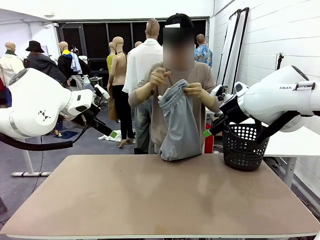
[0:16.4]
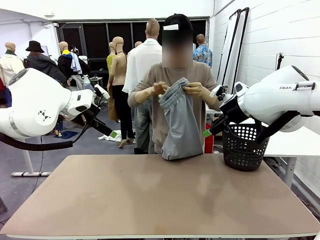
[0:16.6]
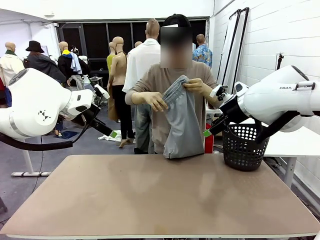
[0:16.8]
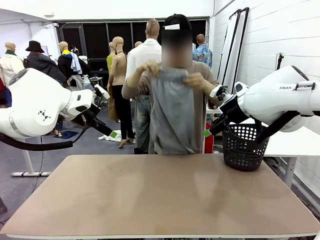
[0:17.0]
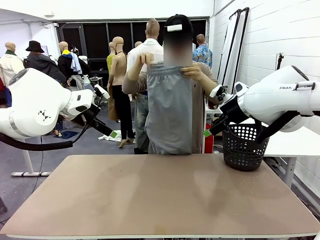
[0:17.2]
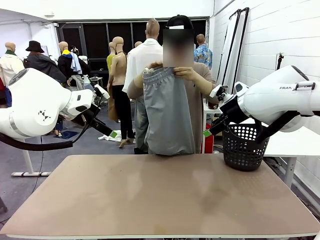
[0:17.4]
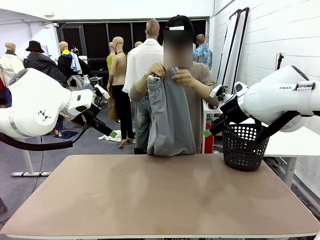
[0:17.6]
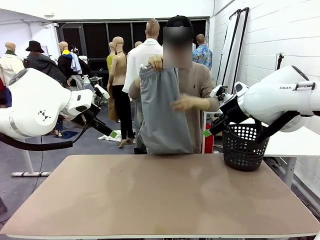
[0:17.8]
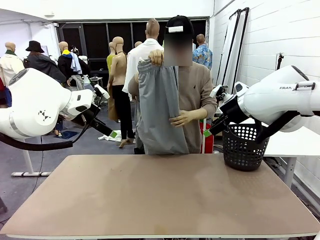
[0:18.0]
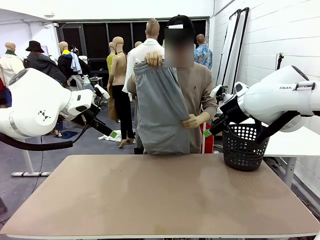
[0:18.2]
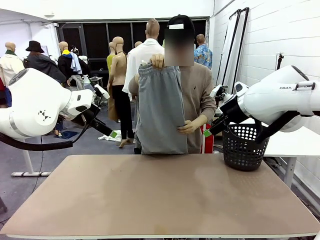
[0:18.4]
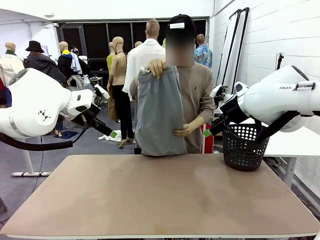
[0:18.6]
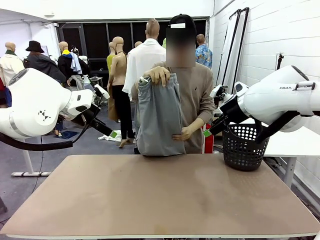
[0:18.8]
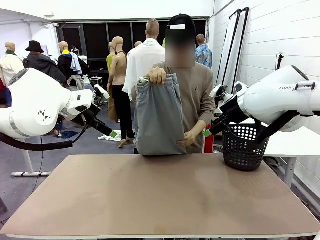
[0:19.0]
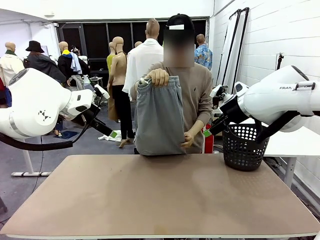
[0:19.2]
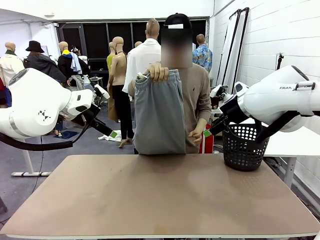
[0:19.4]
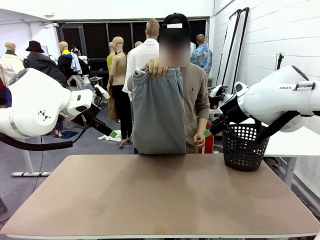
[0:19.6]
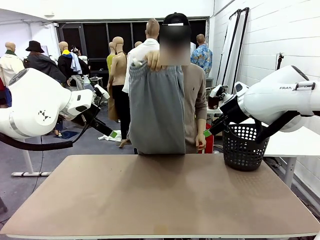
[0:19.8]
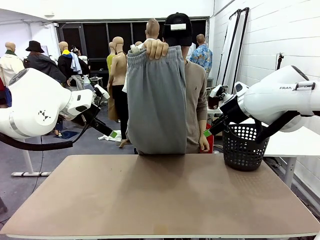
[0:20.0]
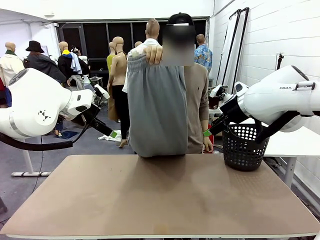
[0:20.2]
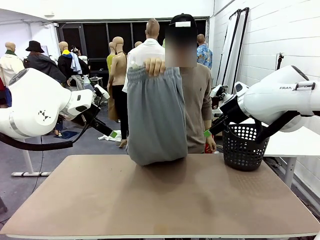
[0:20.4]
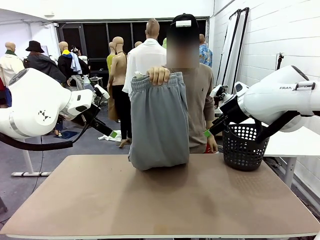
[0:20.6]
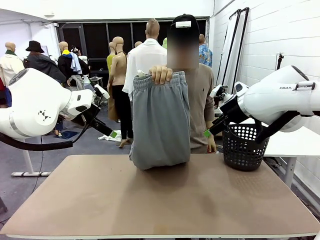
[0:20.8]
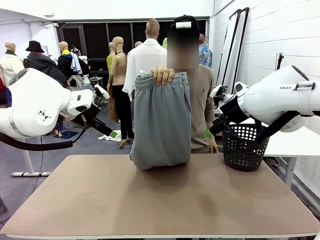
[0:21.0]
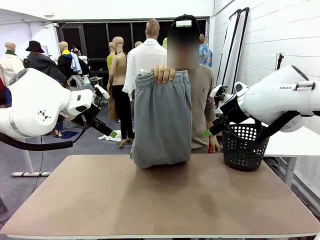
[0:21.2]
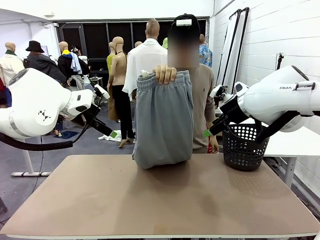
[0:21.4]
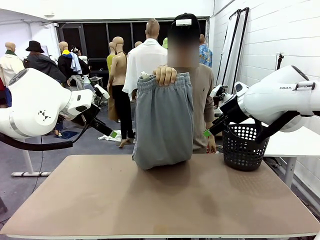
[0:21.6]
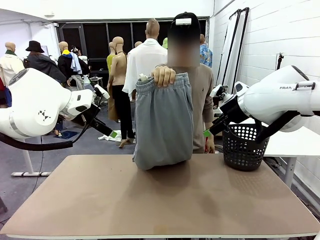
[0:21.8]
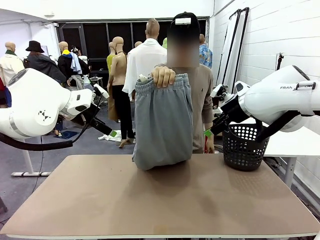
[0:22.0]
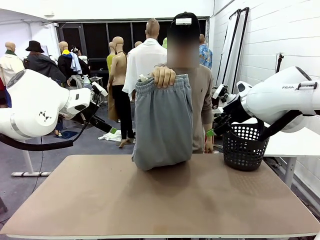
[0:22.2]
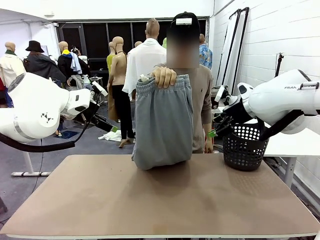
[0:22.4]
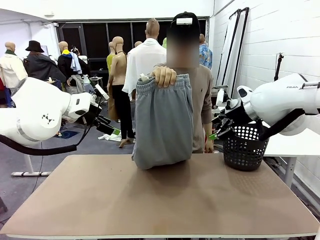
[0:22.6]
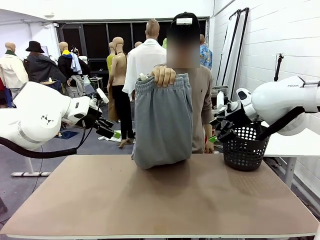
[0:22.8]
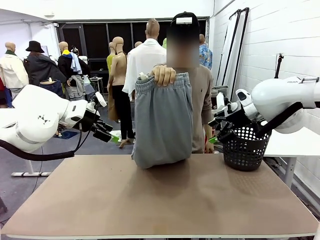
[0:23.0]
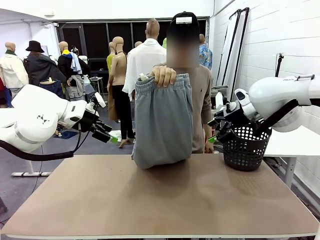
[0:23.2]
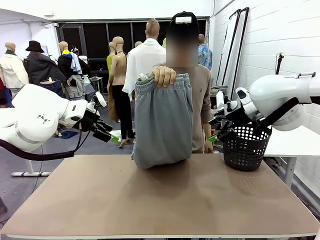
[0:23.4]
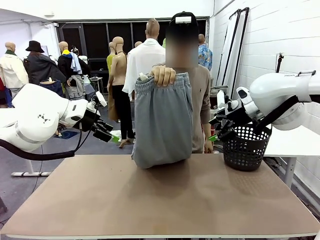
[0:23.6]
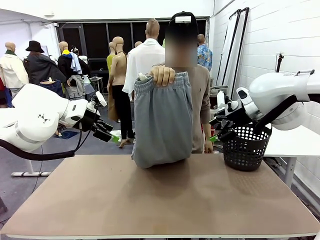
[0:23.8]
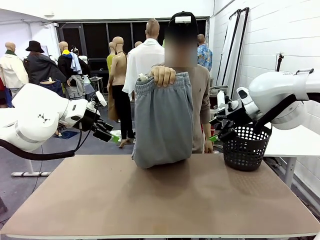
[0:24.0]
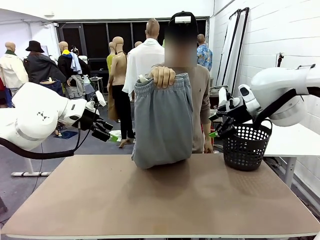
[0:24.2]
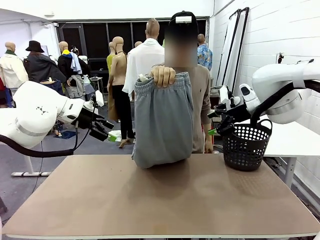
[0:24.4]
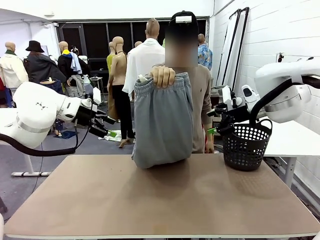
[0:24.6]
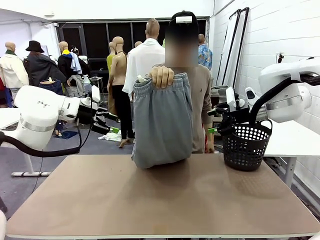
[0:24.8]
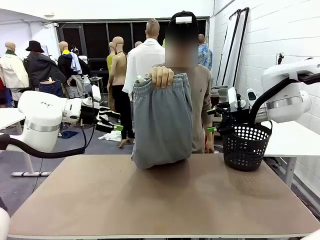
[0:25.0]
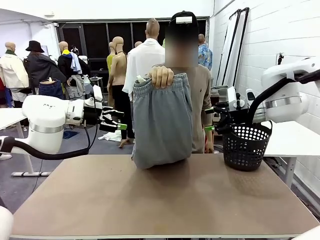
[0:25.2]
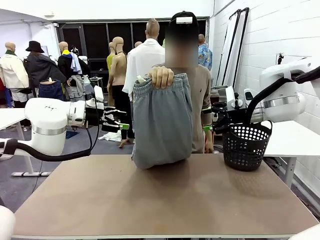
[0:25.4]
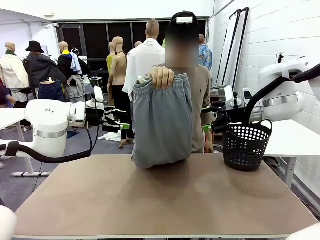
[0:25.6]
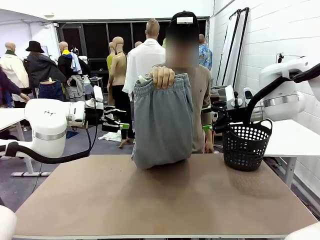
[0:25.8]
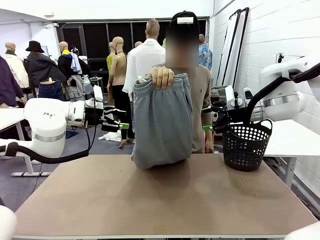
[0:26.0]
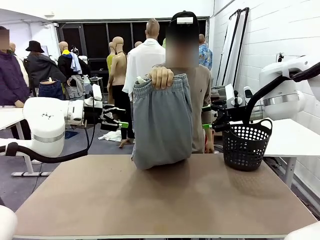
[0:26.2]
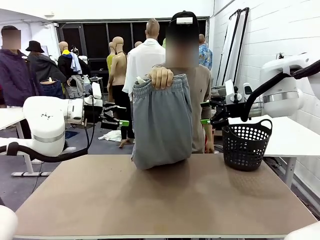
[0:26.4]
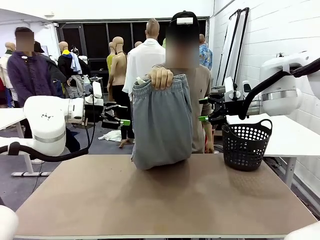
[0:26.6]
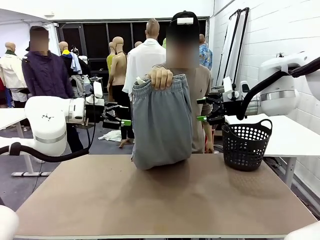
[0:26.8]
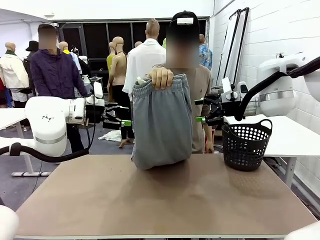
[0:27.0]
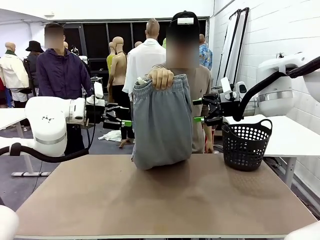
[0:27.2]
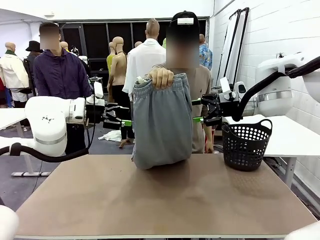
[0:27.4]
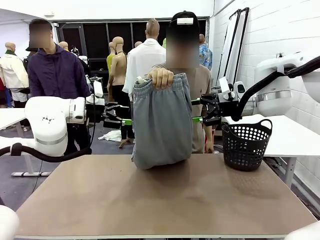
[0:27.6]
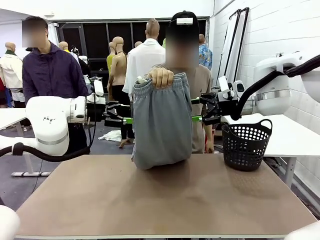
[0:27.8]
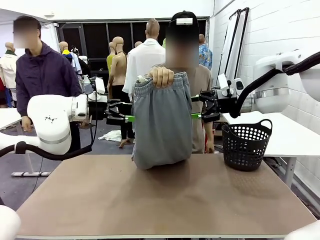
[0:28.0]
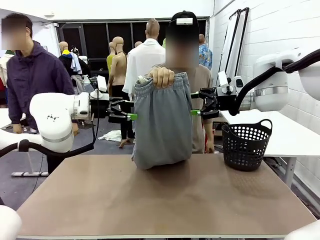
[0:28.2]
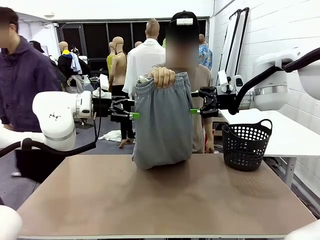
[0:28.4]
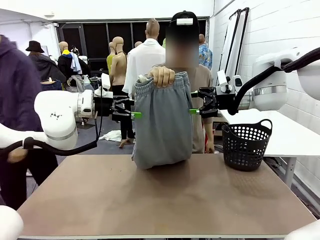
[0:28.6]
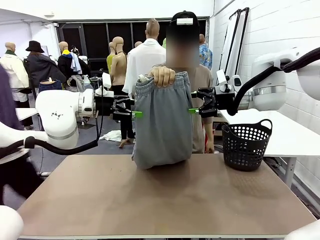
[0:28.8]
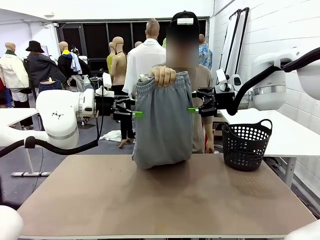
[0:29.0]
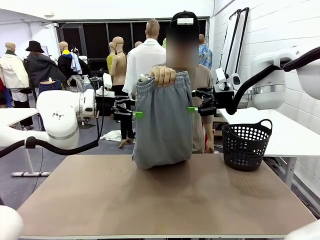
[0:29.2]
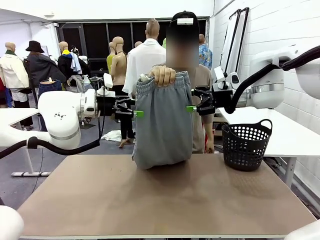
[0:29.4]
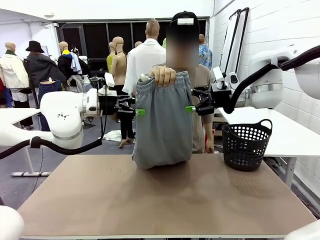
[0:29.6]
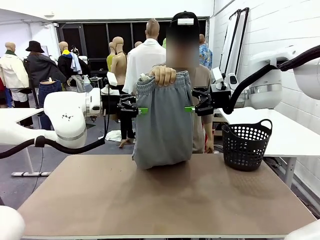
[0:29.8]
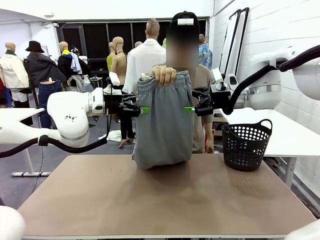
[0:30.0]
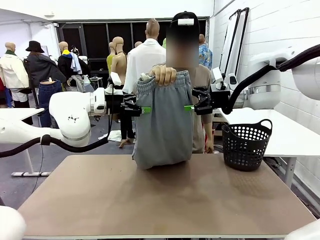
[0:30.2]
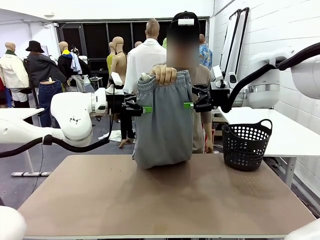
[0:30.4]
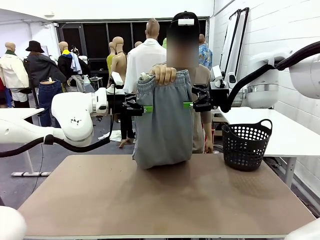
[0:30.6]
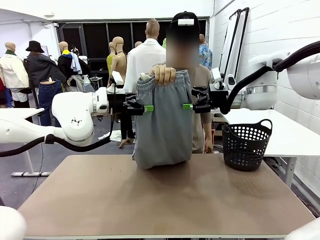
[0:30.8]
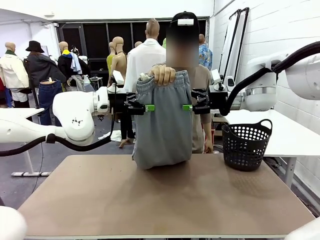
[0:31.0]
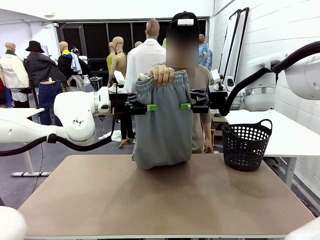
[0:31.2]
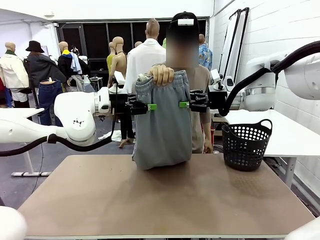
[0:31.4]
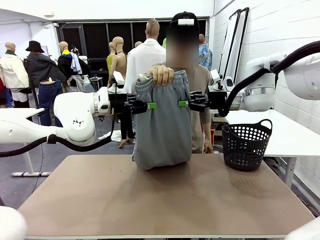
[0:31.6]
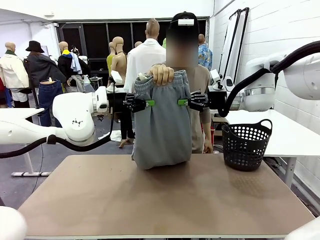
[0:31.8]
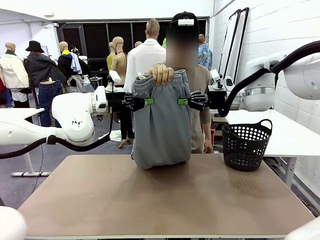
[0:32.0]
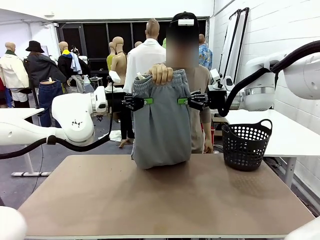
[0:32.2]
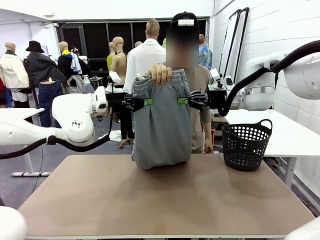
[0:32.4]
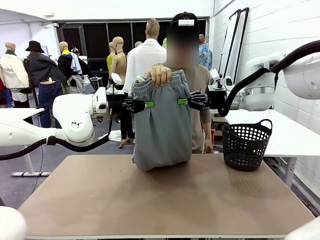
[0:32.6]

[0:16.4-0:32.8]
Task: Fold the training pants.
Robot: Grab both ends of the Training pants handed by a person.
